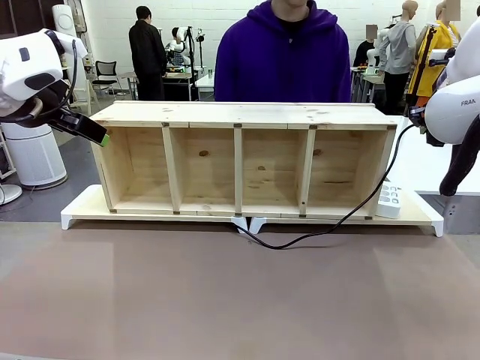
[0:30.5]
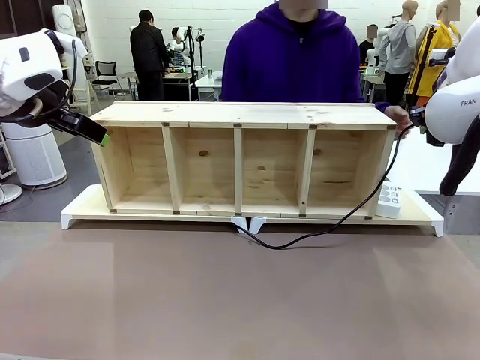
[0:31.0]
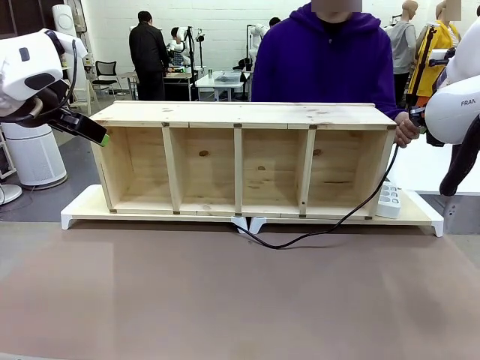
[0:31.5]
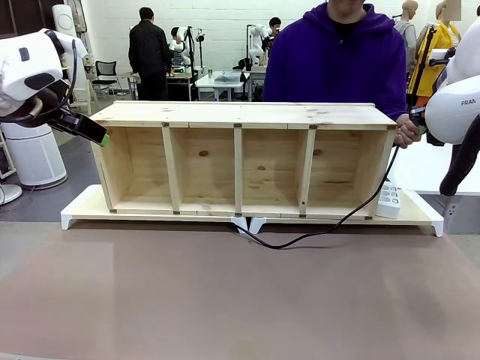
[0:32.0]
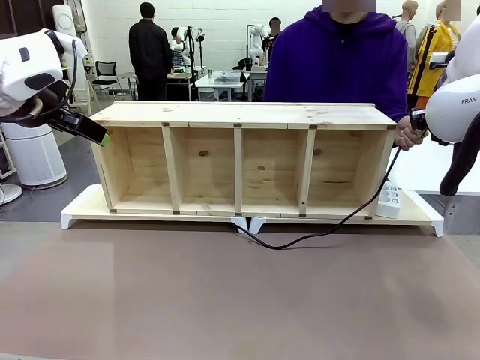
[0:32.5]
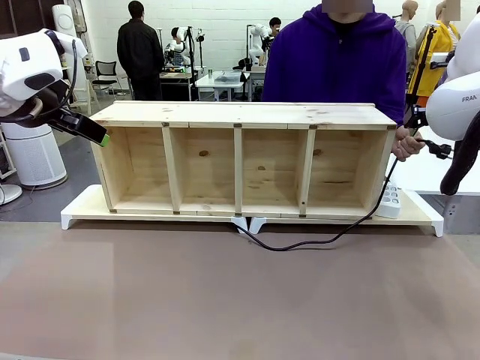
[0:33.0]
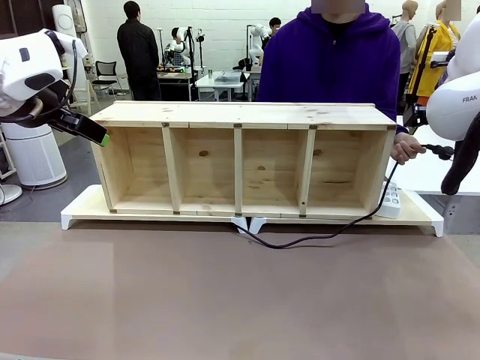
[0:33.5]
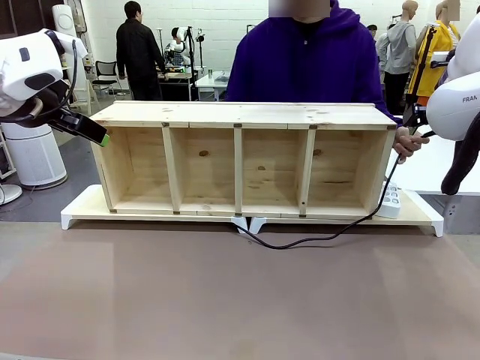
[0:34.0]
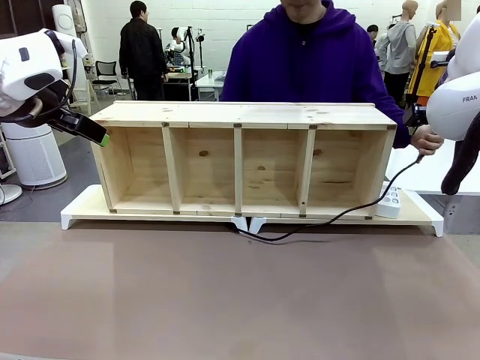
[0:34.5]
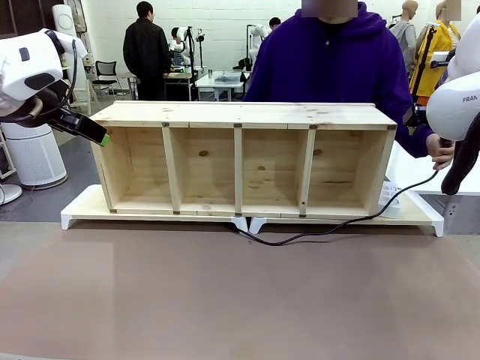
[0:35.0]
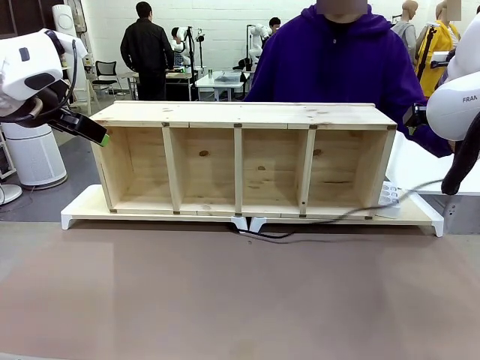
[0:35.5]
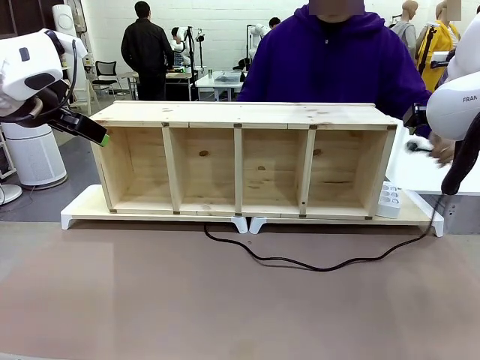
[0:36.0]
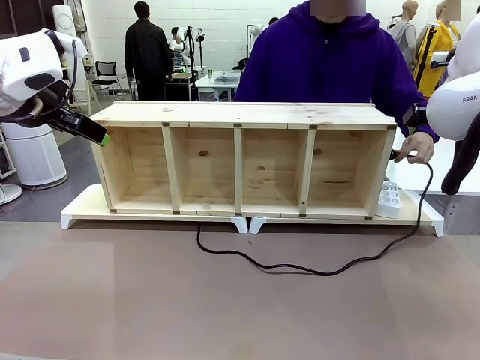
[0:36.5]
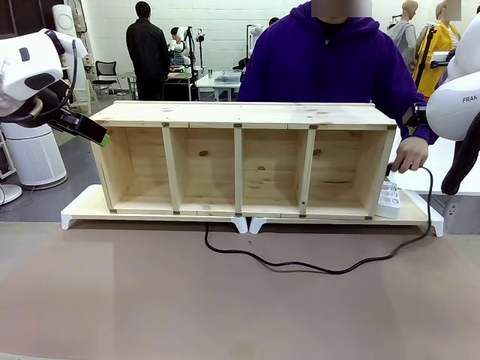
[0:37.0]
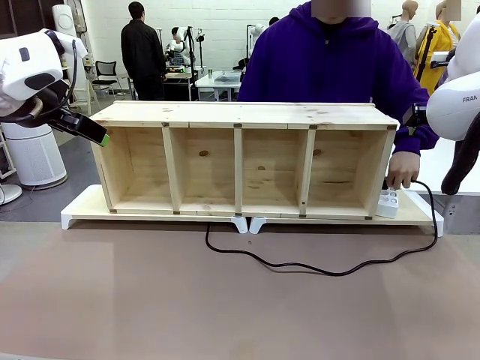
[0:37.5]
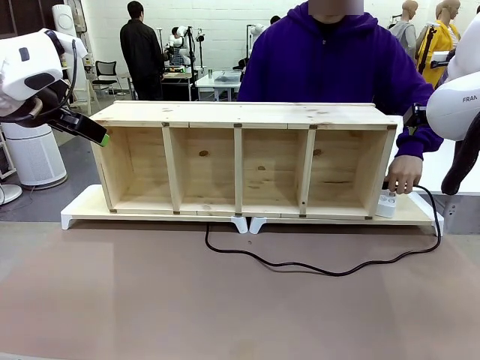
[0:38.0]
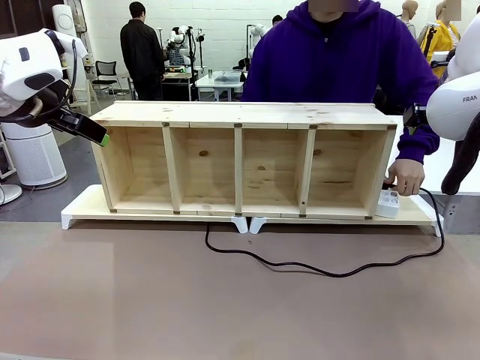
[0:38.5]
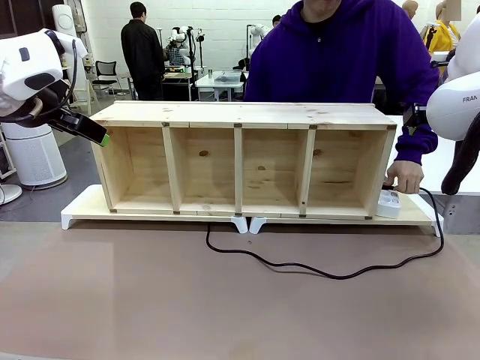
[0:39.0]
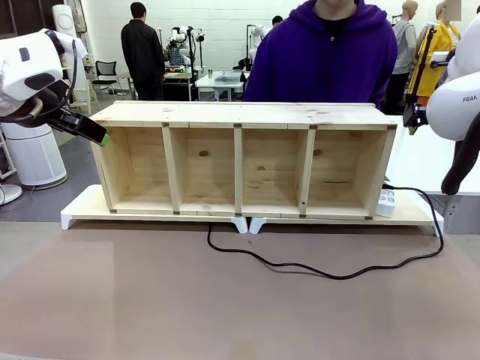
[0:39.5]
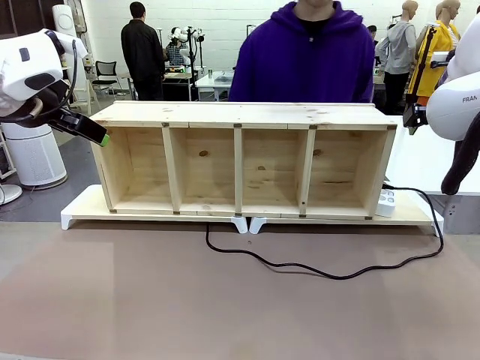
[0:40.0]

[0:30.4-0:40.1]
Task: Perform cable management.
Robot: Release the Power Cable when the human grasps it.
Person: Plug the Power Cable into the Power Strip.

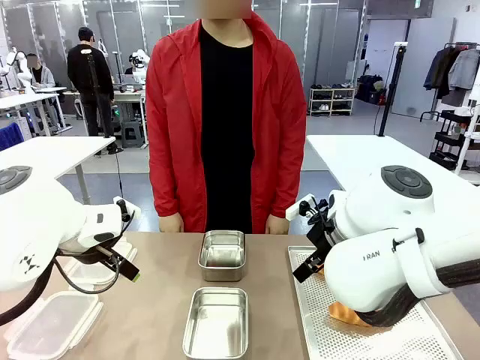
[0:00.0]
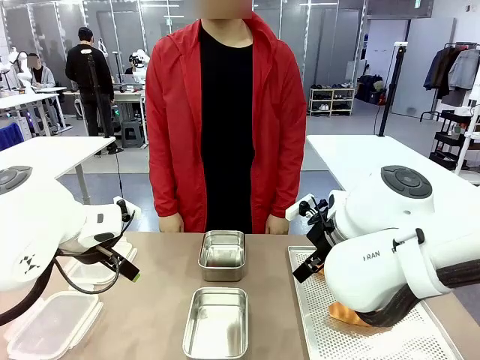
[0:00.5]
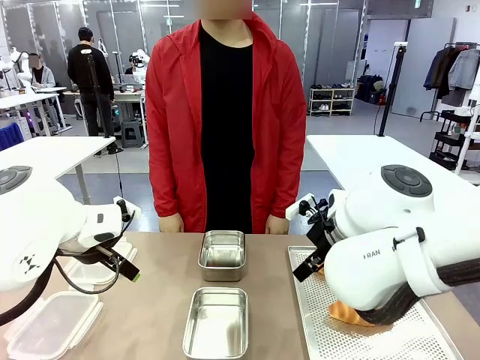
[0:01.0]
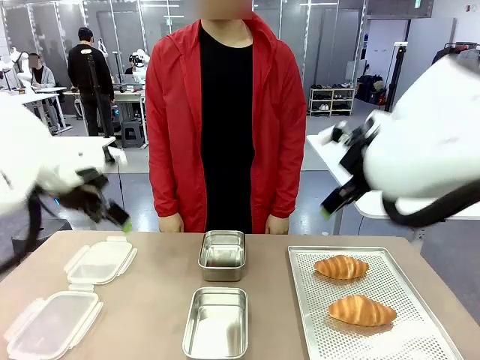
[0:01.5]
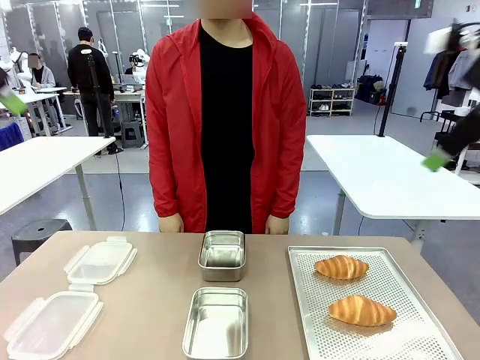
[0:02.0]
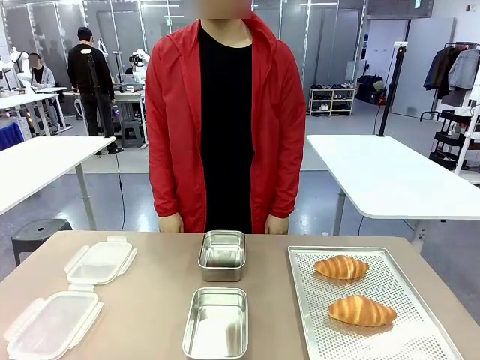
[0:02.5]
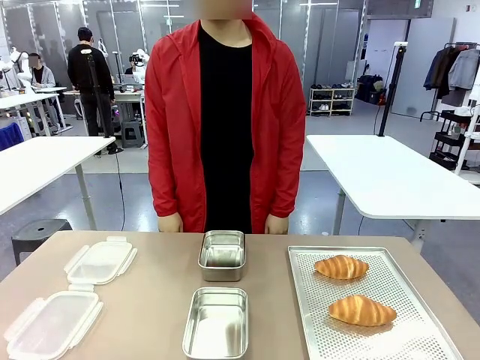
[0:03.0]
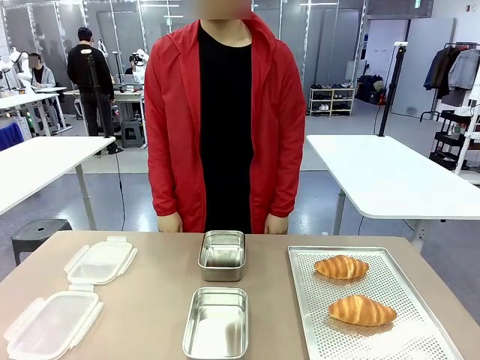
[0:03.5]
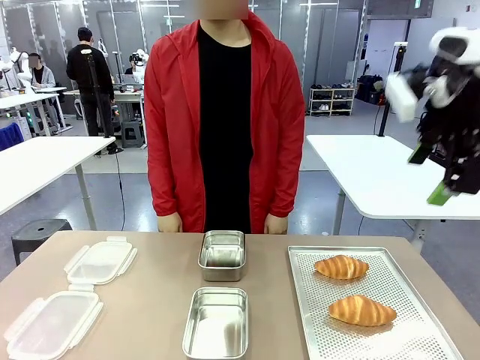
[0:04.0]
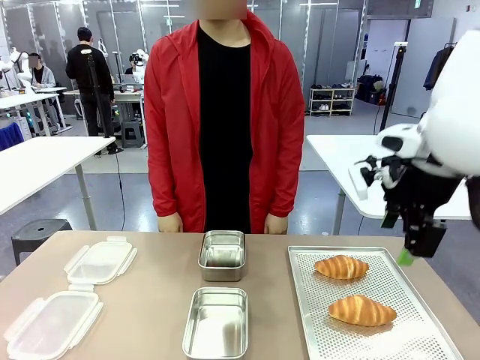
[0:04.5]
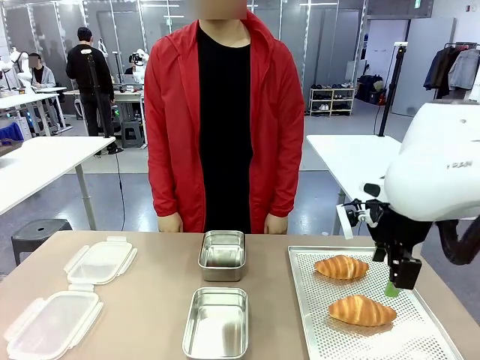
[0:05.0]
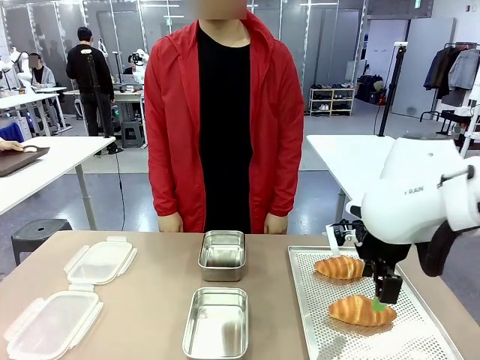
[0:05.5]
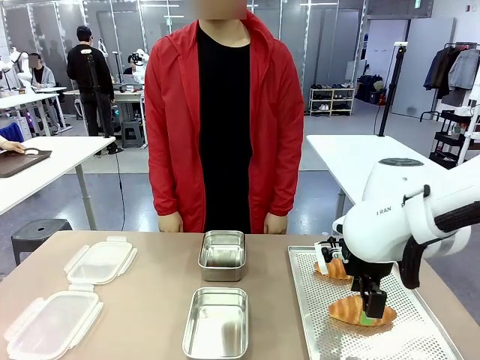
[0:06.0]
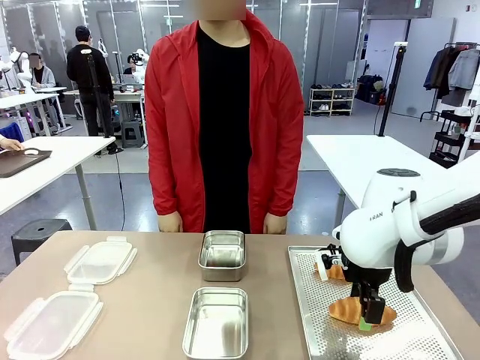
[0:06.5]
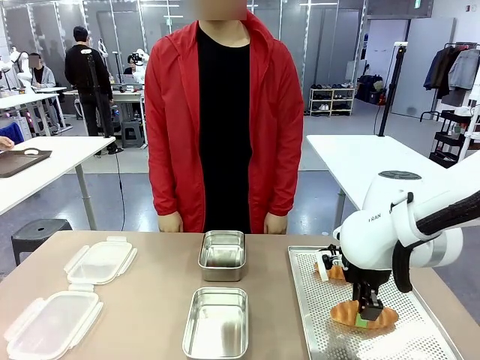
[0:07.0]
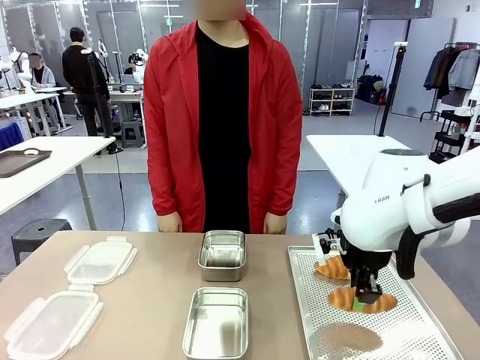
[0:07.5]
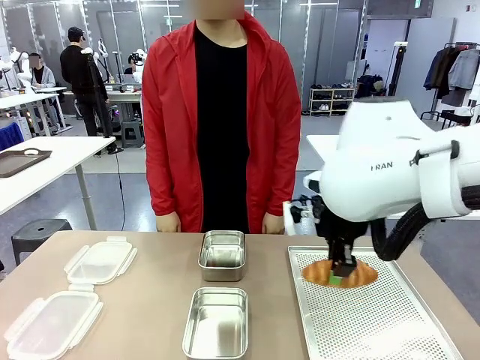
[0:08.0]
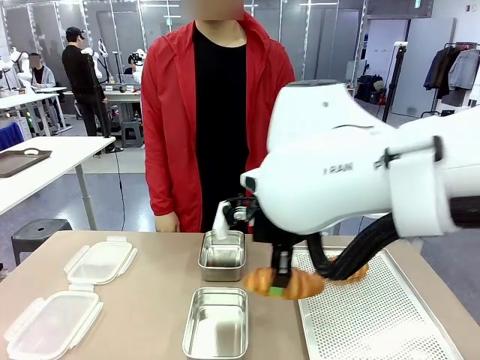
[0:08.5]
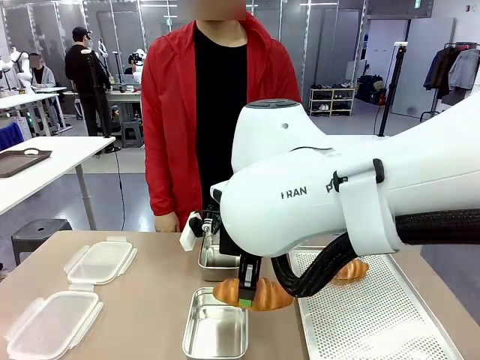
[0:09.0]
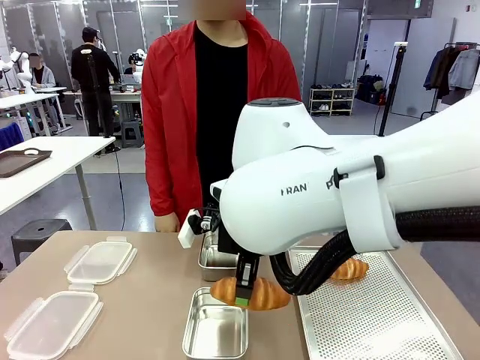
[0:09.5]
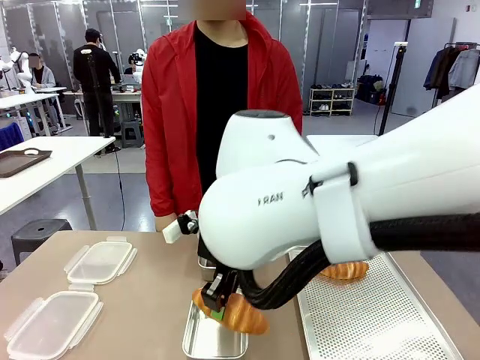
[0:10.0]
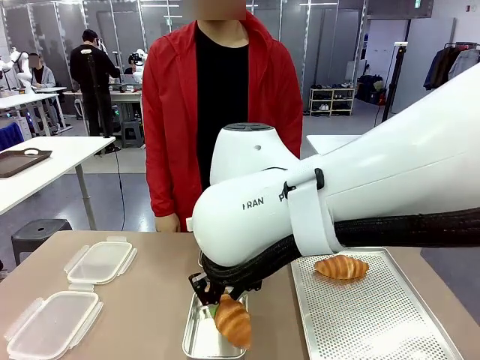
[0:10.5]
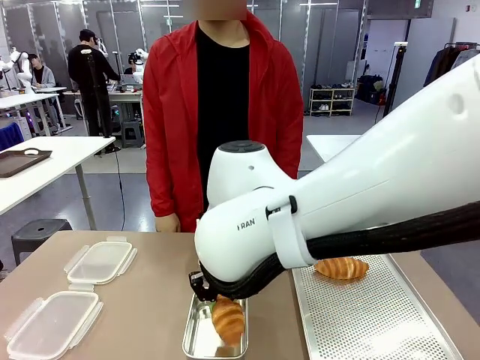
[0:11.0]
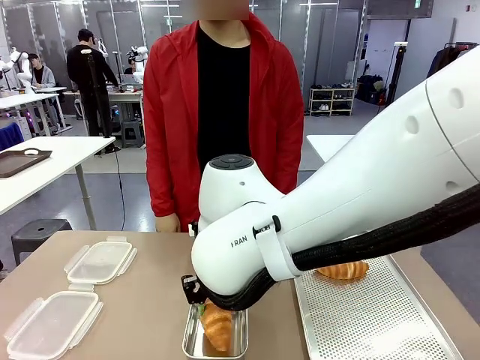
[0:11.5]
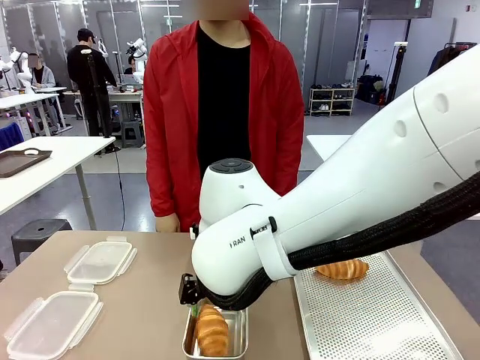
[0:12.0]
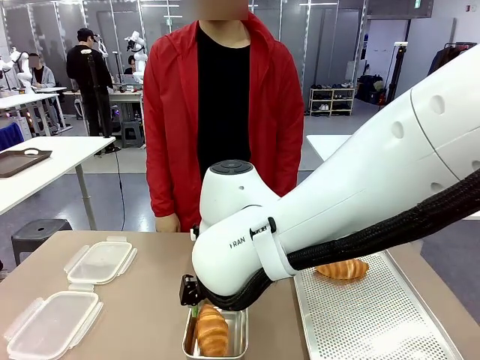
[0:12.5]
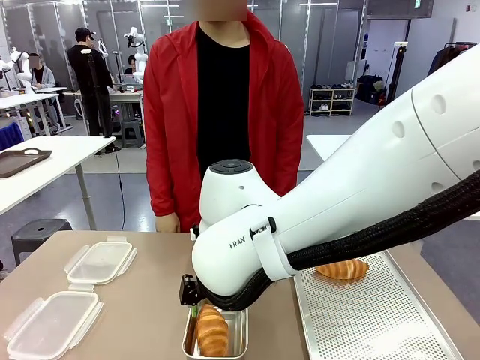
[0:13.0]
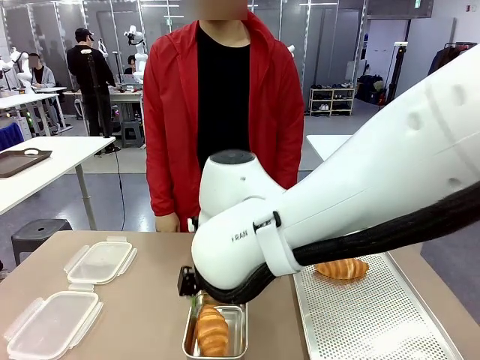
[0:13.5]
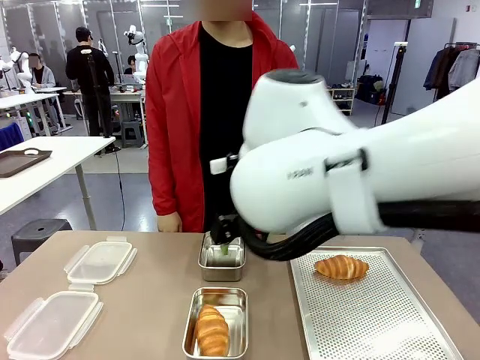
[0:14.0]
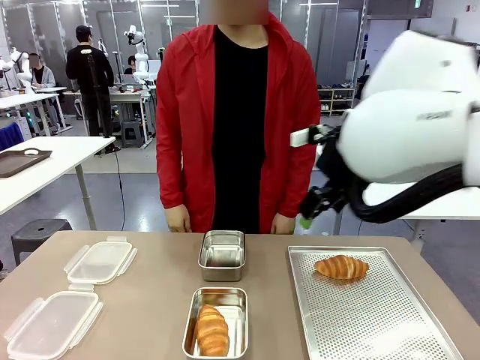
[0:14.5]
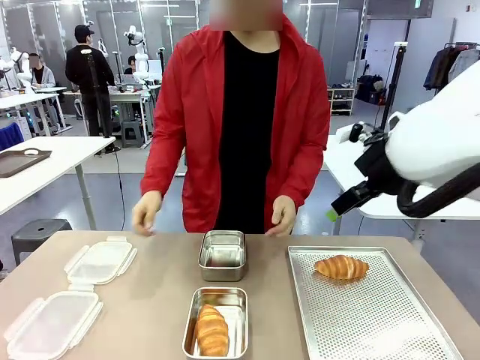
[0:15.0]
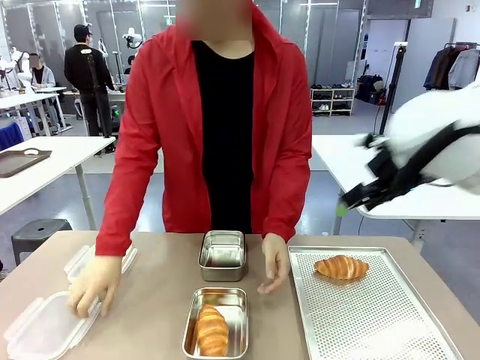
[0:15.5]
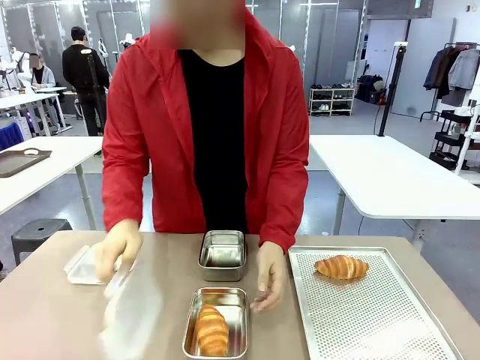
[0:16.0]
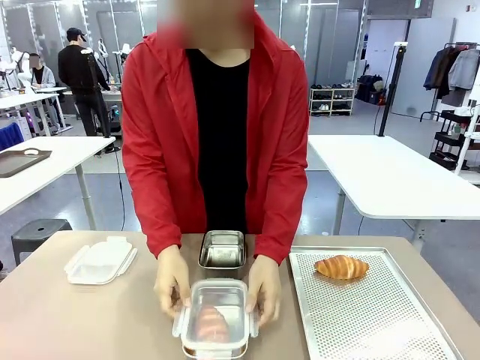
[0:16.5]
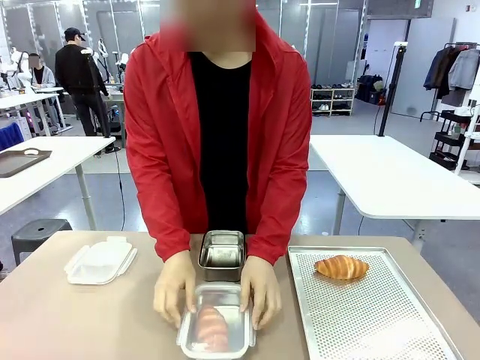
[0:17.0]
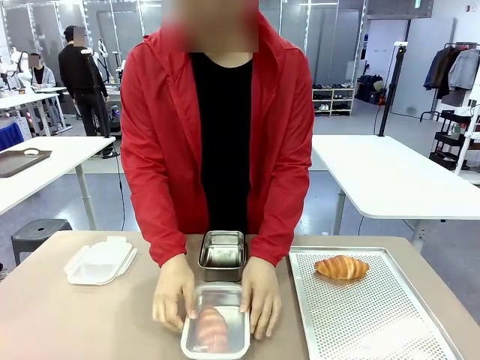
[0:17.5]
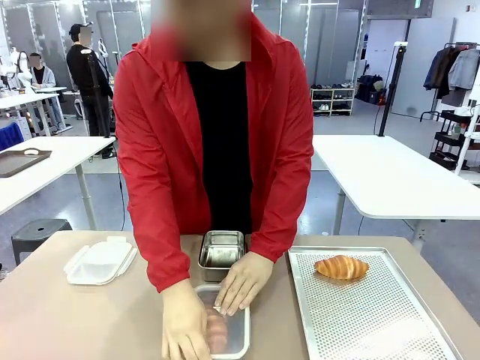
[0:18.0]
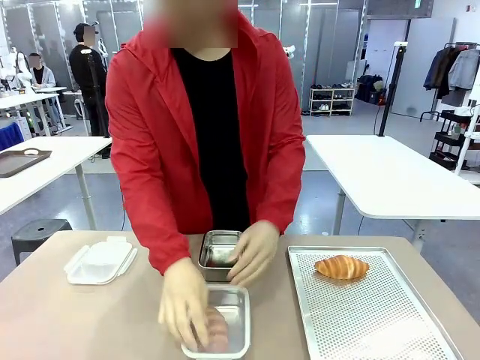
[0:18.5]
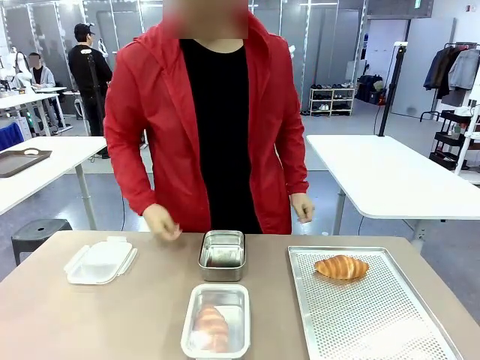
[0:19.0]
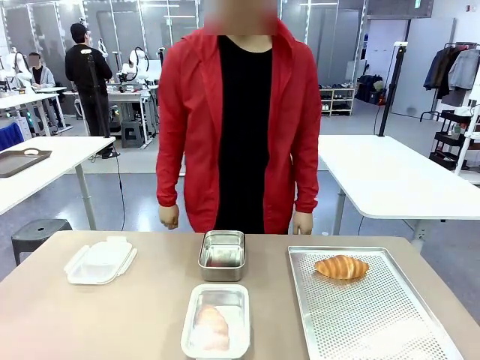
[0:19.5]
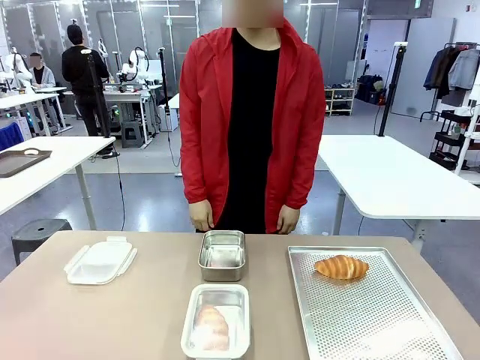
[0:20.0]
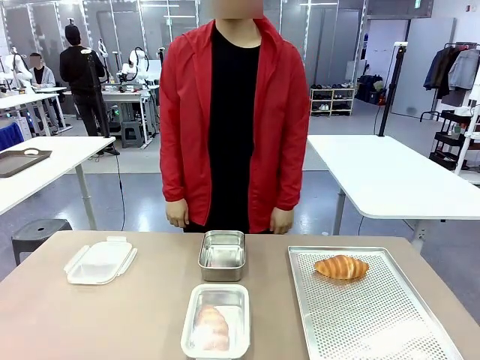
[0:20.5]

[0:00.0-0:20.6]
Task: Place the bread into the airtight container.
Robot: Pick up a Butter Roll and place it into an empty Airtight Container.
